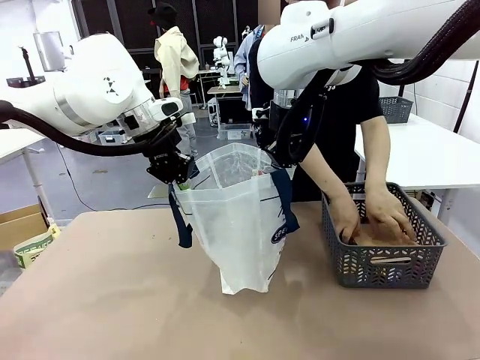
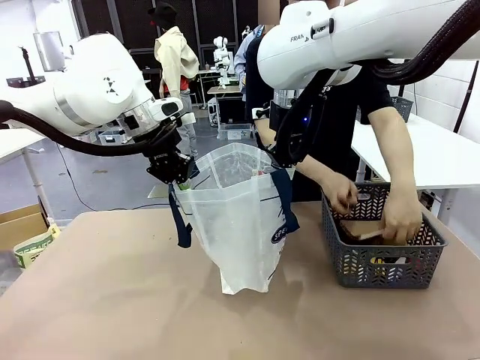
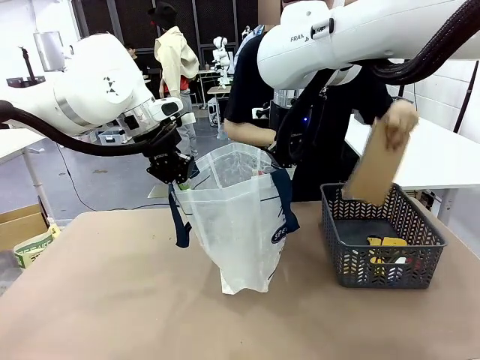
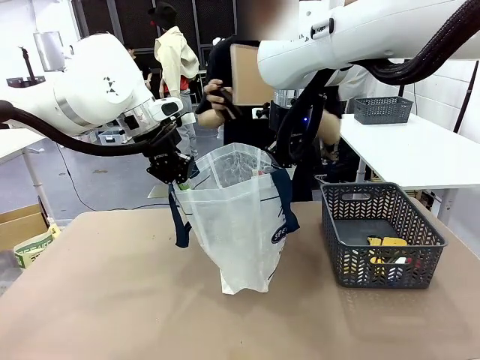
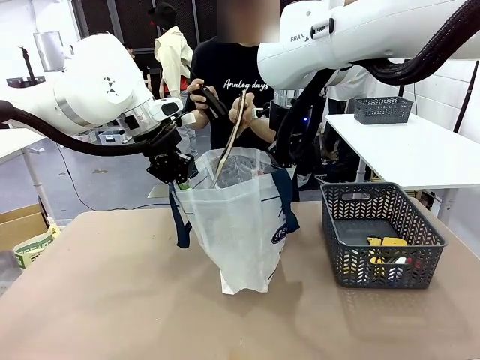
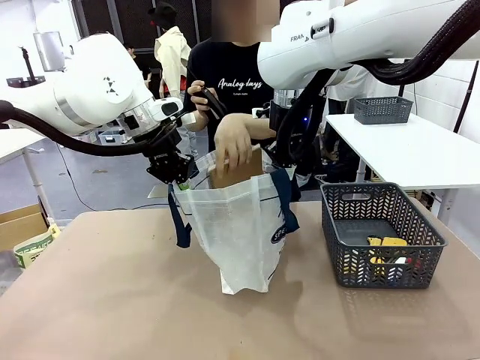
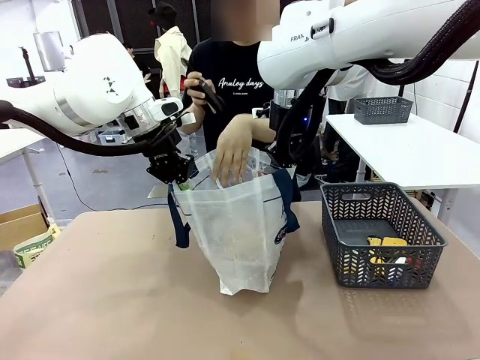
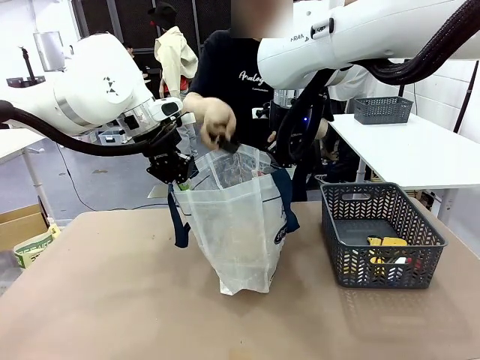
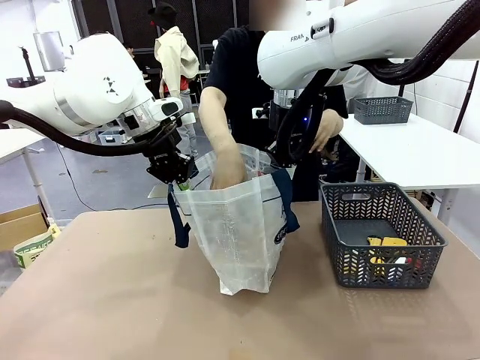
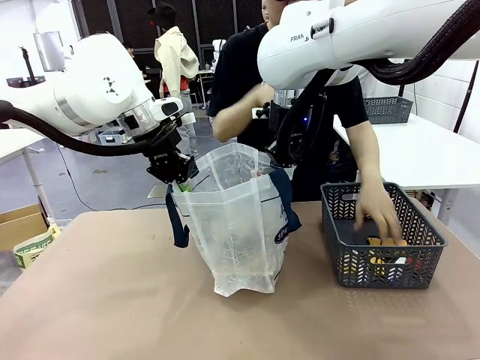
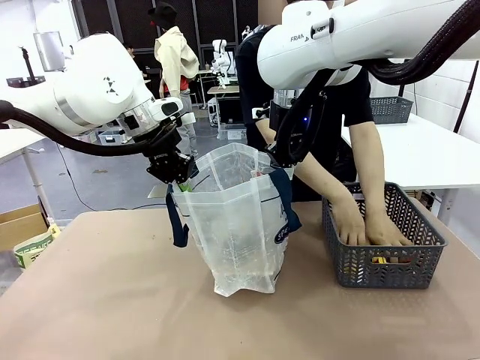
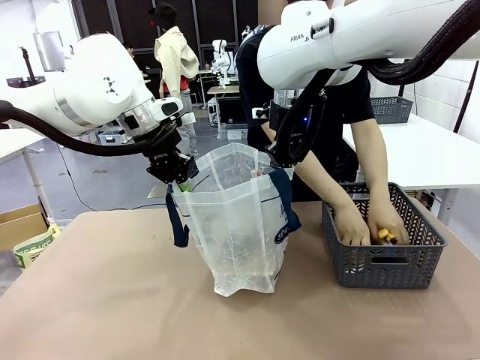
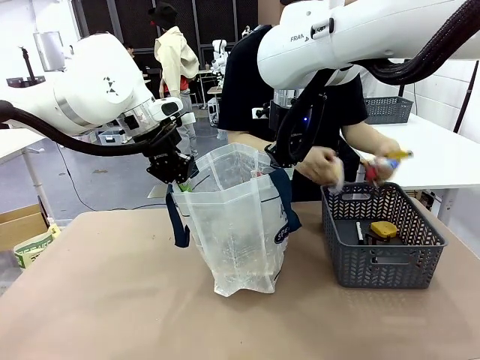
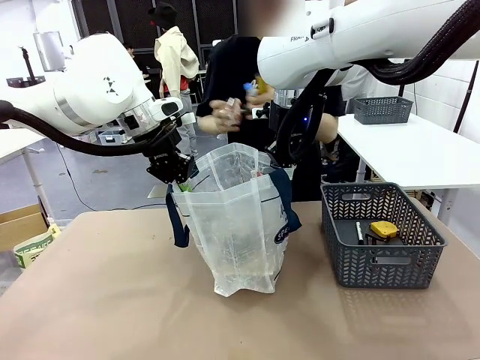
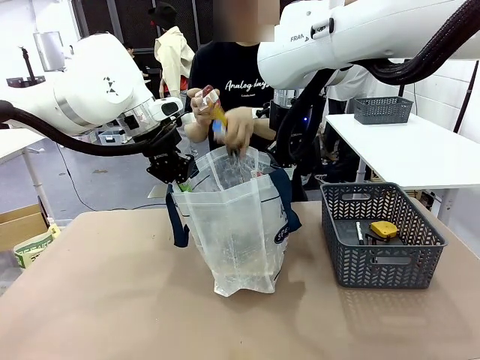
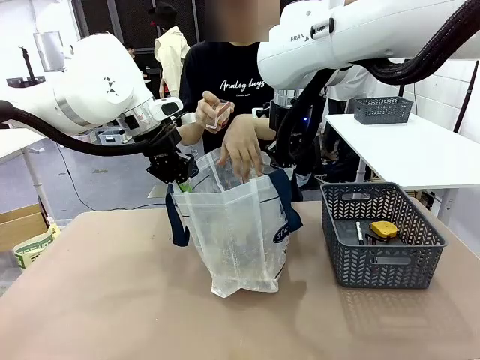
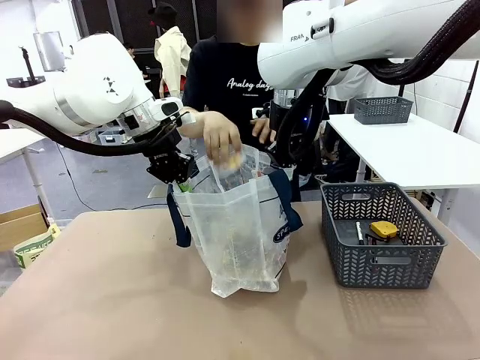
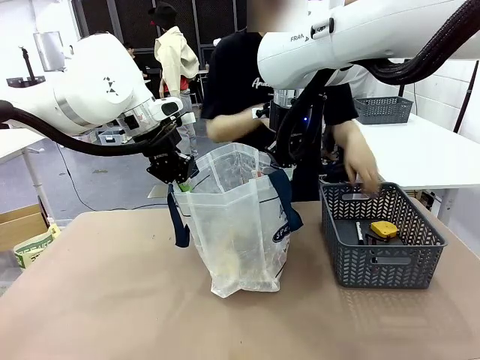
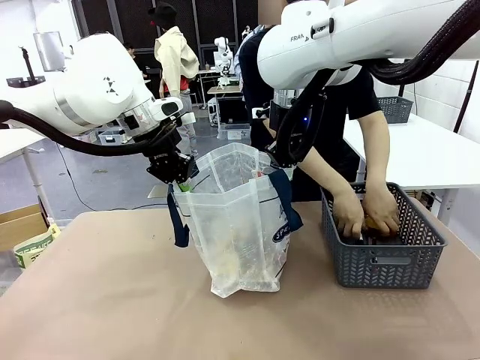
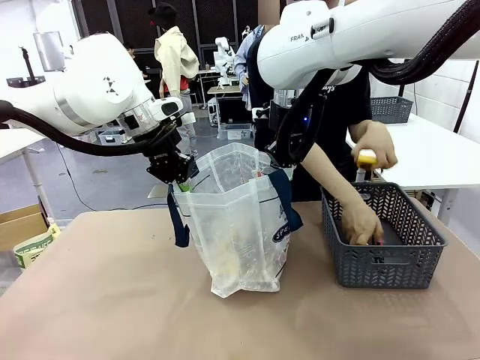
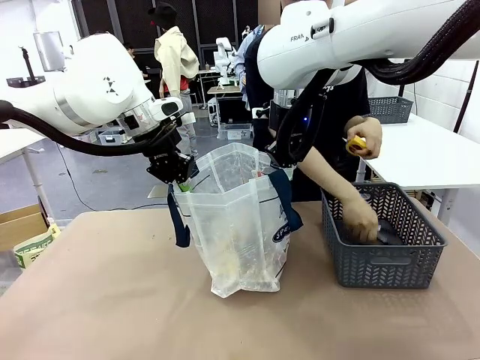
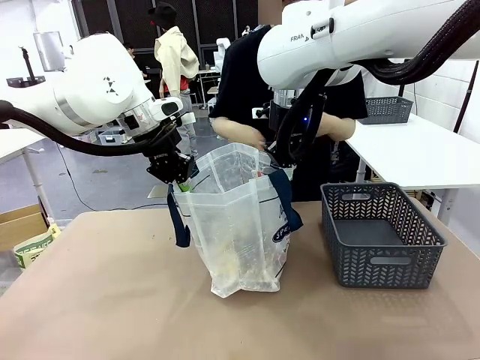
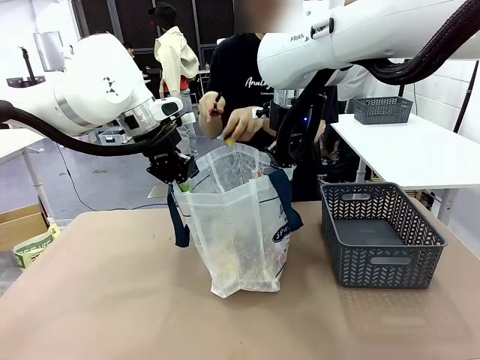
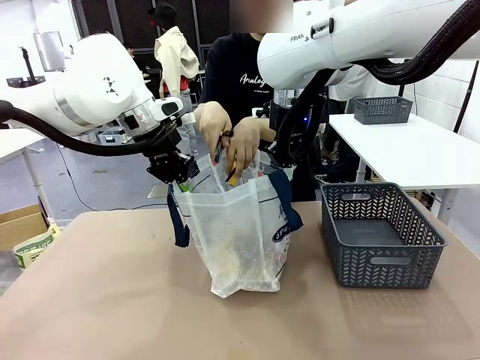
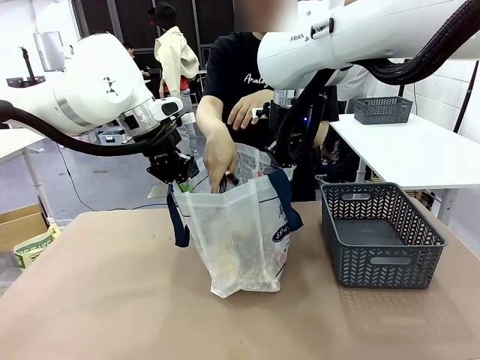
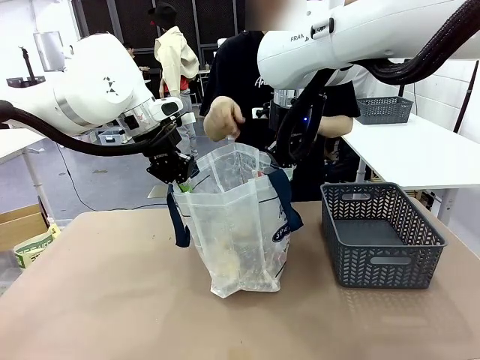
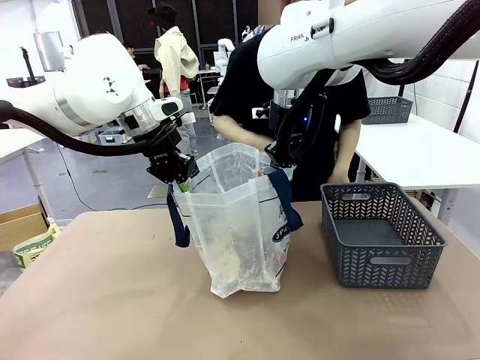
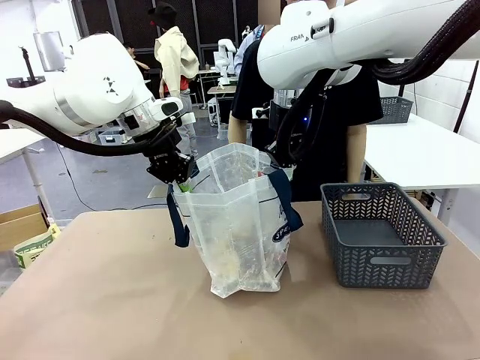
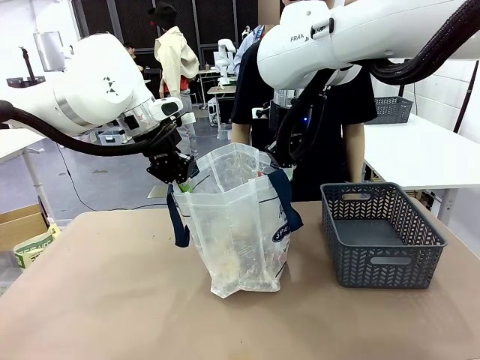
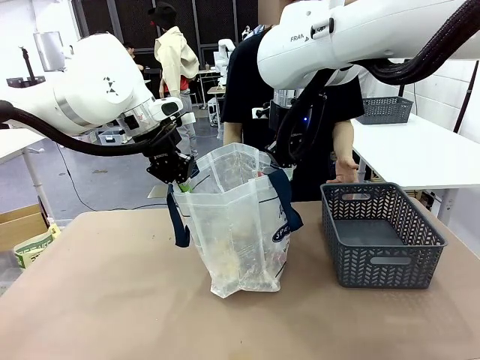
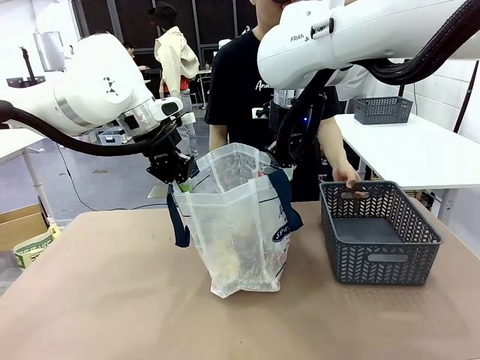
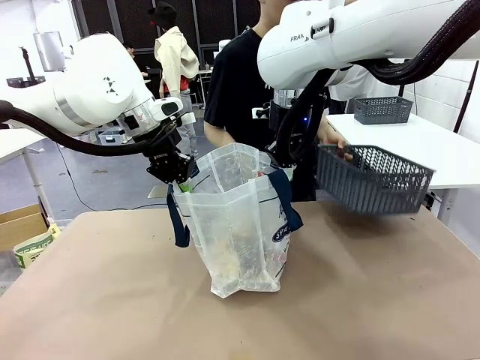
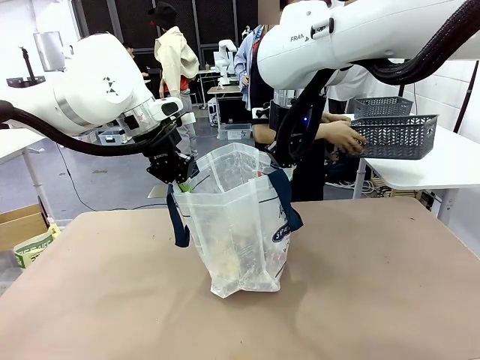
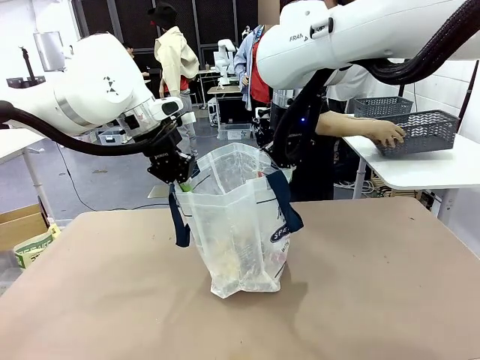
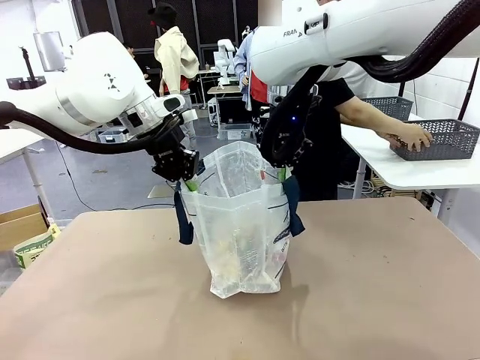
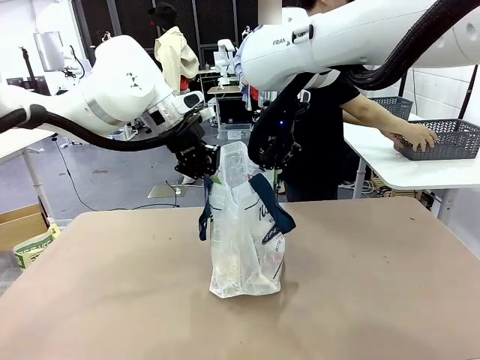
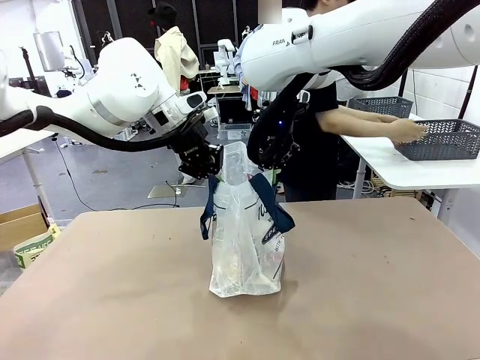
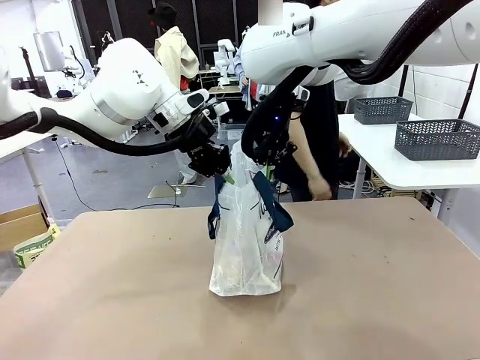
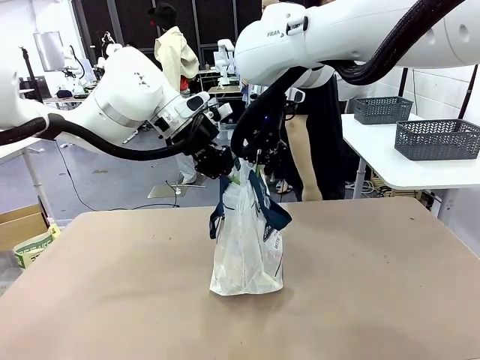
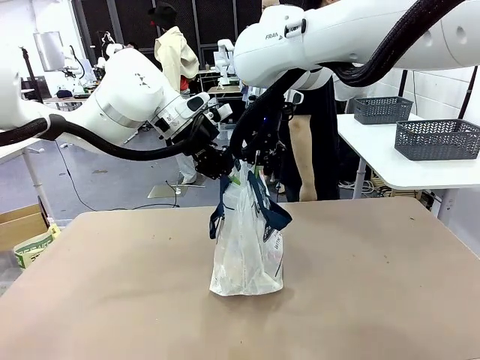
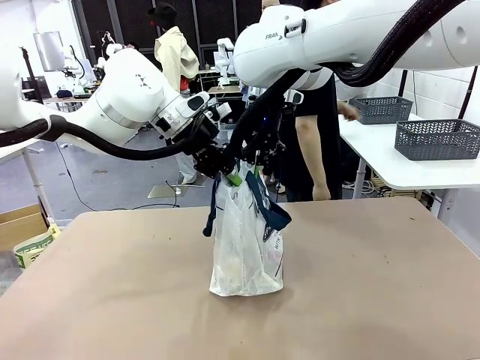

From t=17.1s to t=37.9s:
Task: Transfer purchased items from the store into the shopping bag.
Robot: Move the Reusable shopping bag to the right side of the table.
Person: Pick up the basket on the right, place it on the left side of the robot table, and move the items in the basket to the shopping bag. Pick up the basket with the items out and place it on the right side of the human table.

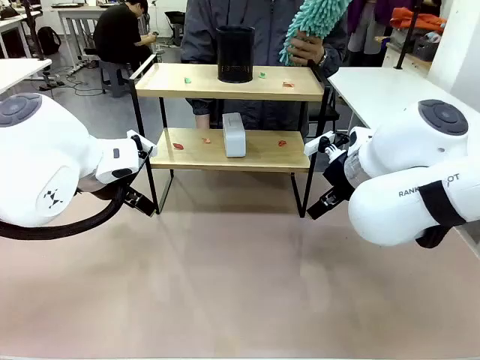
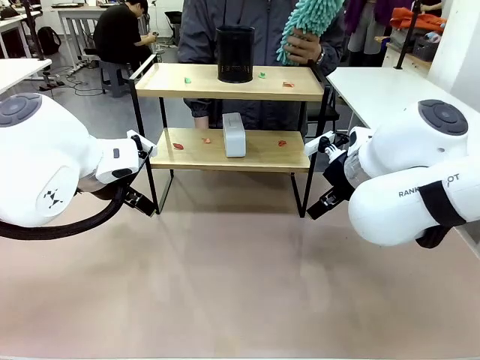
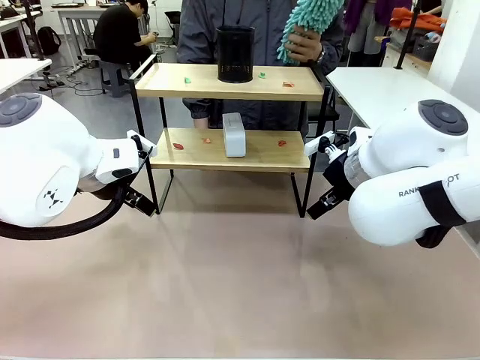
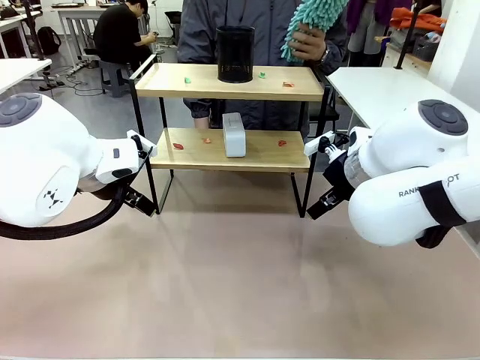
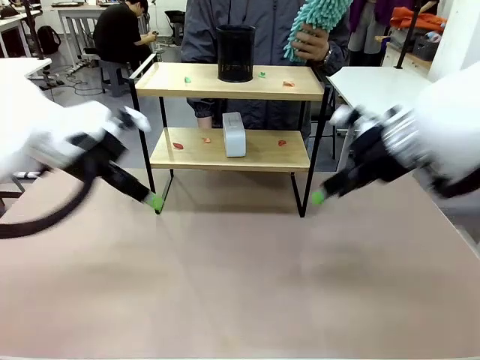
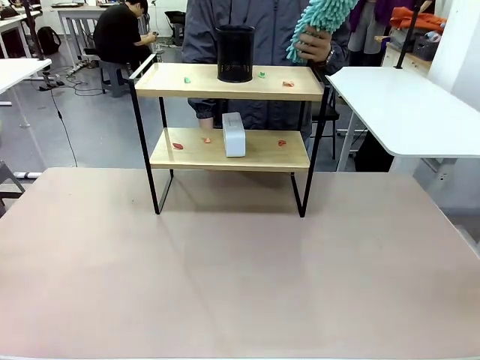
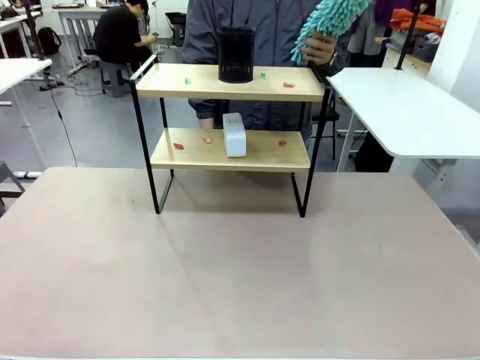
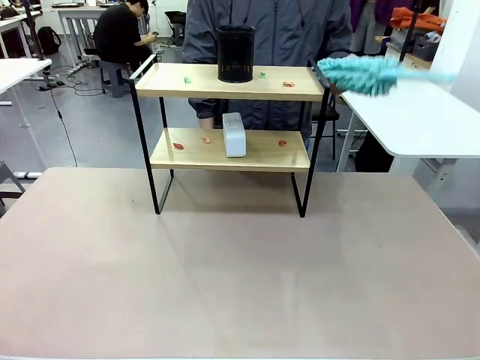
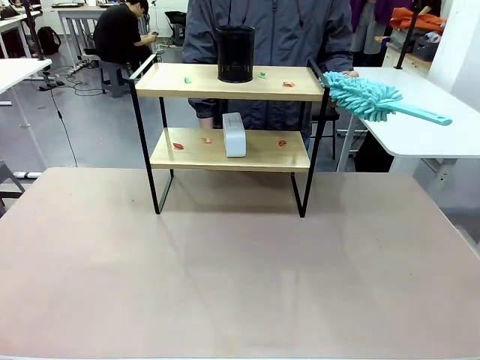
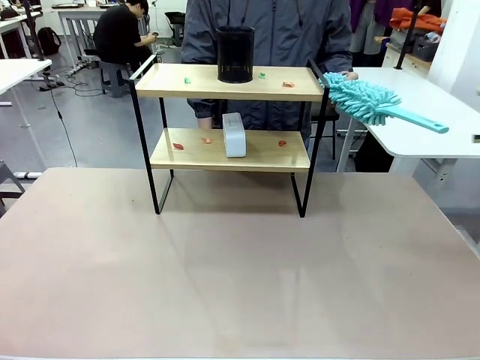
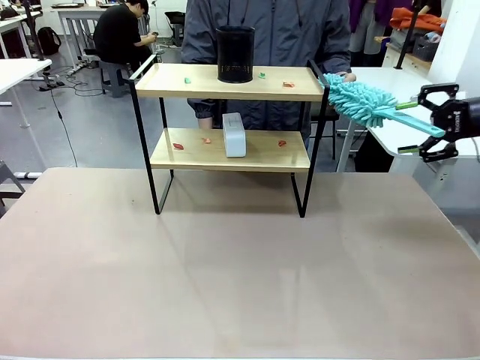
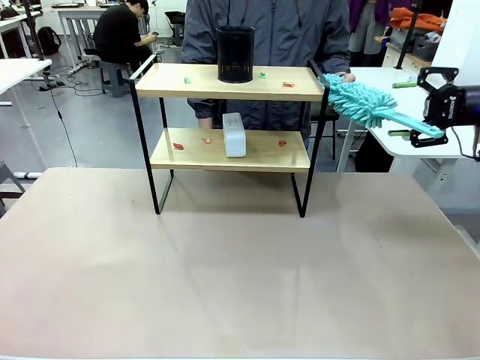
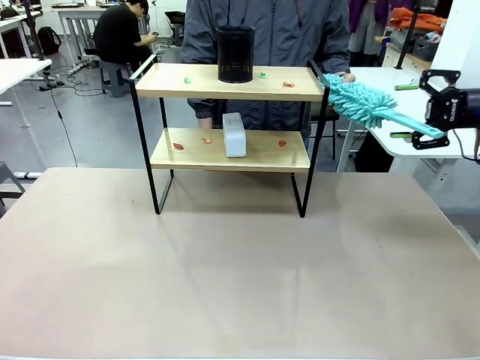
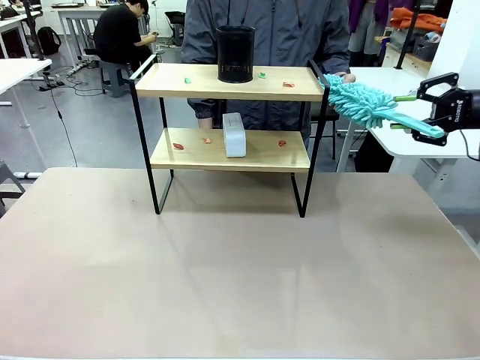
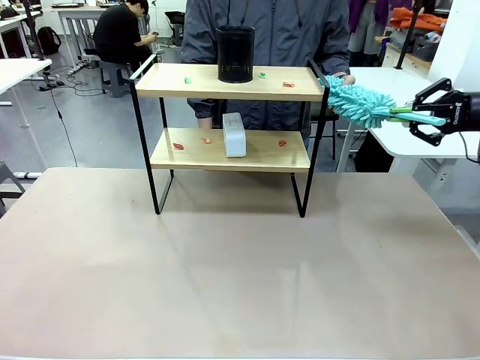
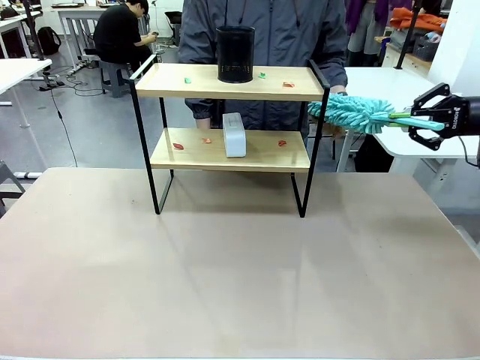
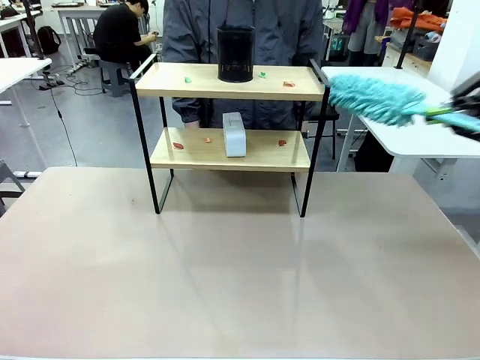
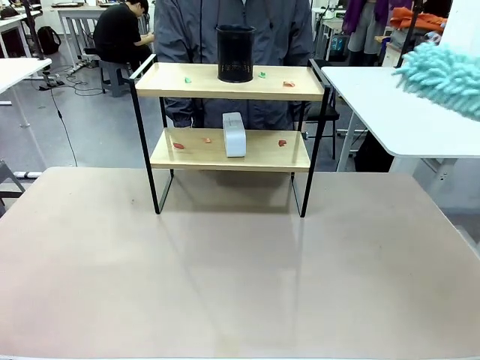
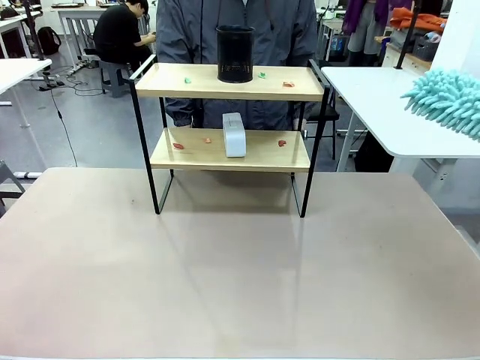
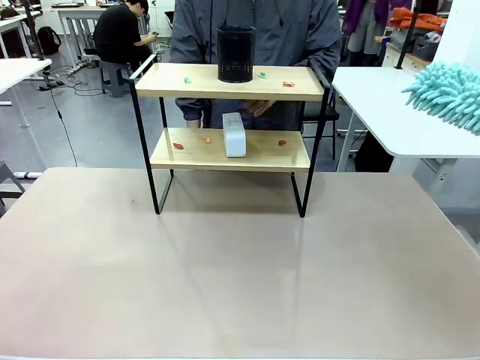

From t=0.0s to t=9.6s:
Task: Clean the shelf.
Robot: Pick up the Duster from the human.
Person: Hand the Duster to the robot.
